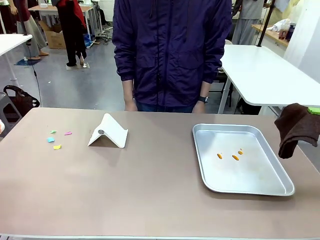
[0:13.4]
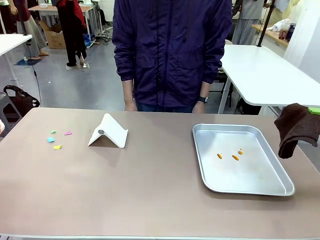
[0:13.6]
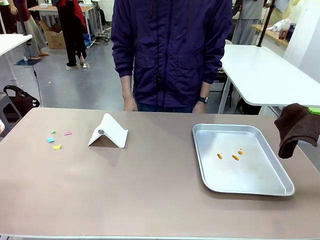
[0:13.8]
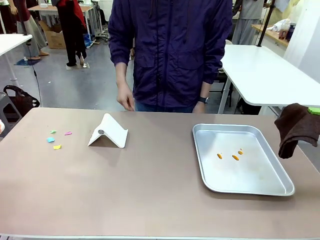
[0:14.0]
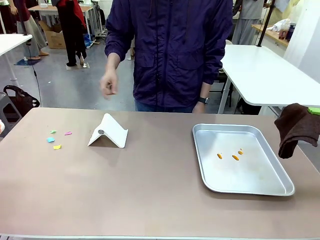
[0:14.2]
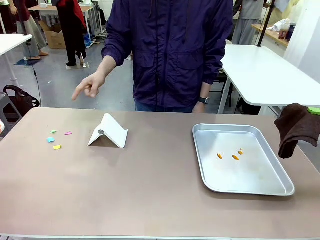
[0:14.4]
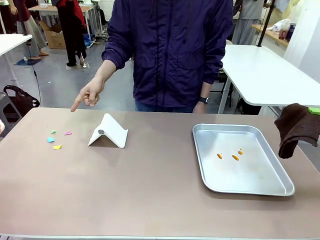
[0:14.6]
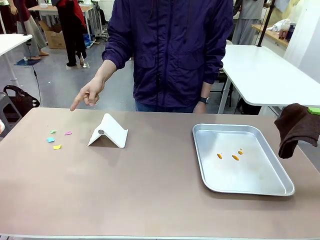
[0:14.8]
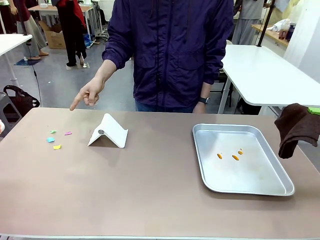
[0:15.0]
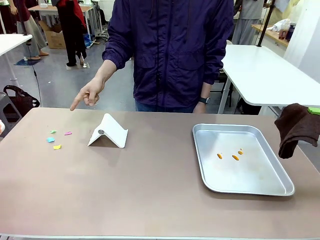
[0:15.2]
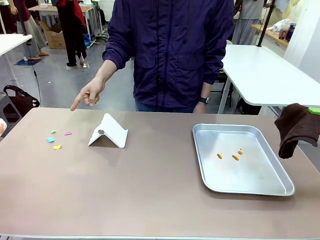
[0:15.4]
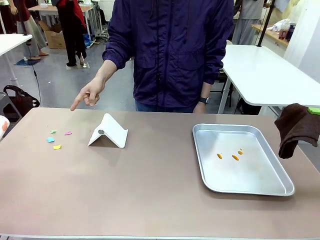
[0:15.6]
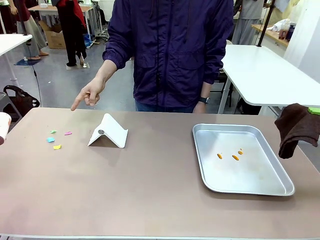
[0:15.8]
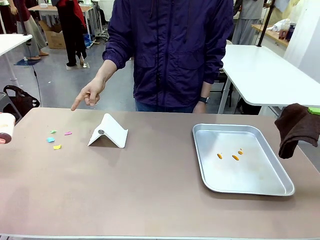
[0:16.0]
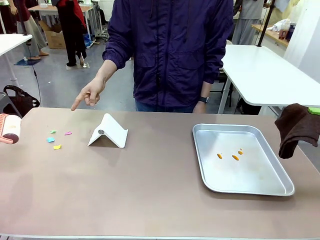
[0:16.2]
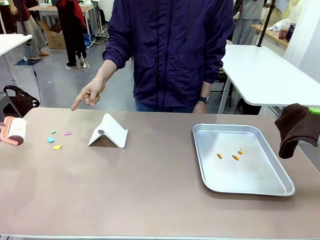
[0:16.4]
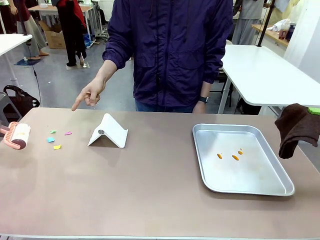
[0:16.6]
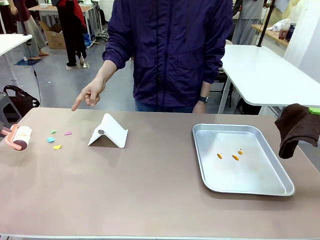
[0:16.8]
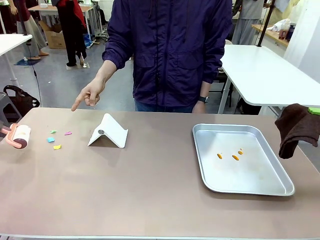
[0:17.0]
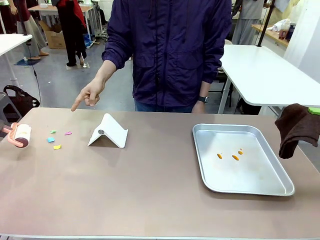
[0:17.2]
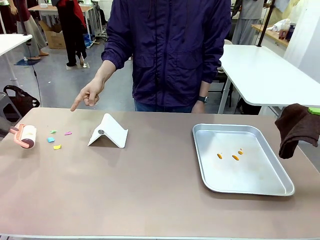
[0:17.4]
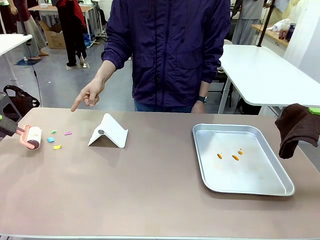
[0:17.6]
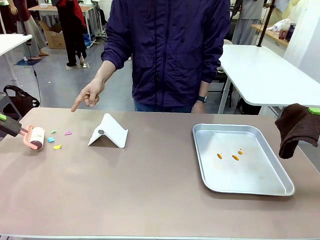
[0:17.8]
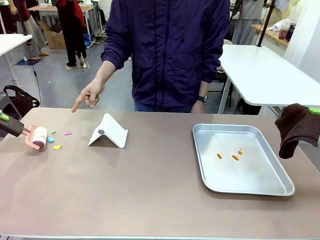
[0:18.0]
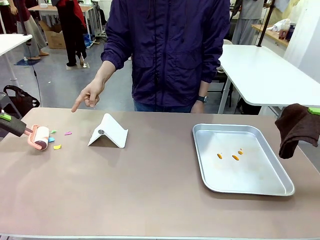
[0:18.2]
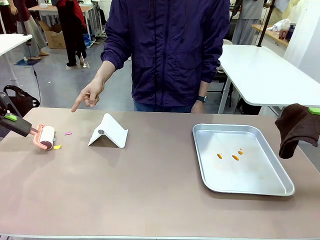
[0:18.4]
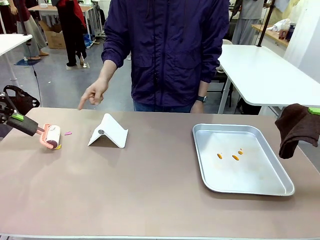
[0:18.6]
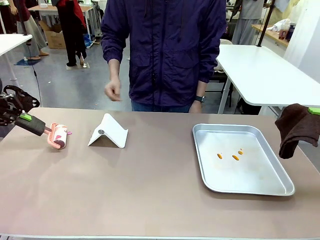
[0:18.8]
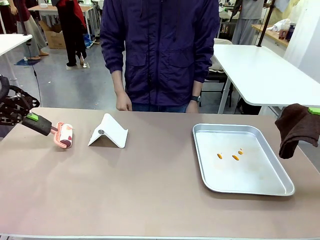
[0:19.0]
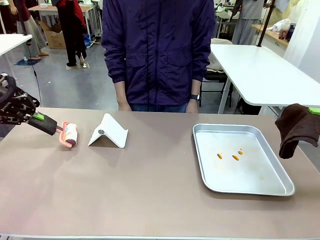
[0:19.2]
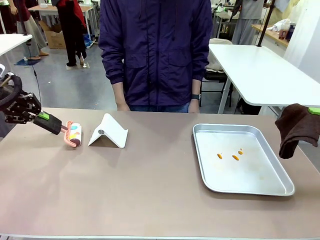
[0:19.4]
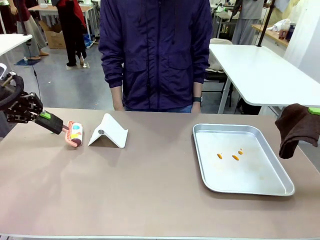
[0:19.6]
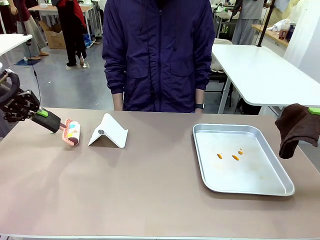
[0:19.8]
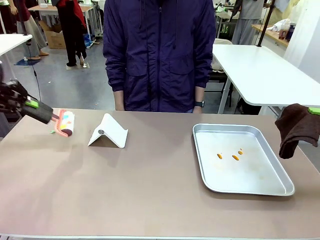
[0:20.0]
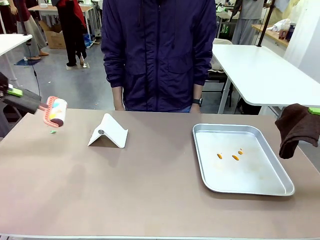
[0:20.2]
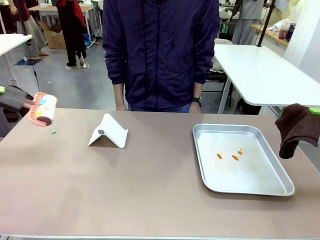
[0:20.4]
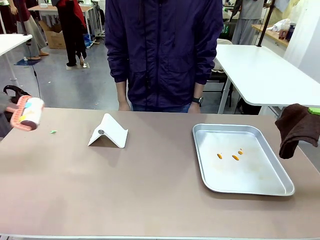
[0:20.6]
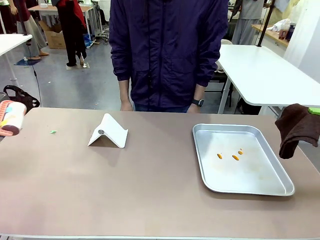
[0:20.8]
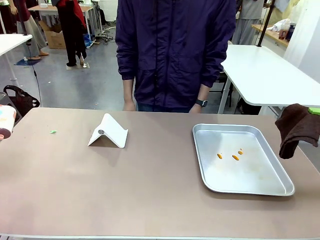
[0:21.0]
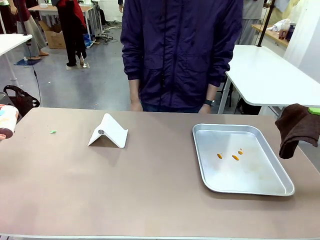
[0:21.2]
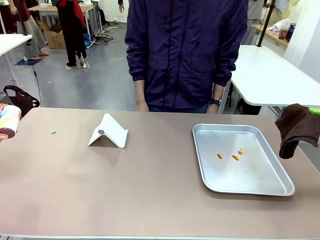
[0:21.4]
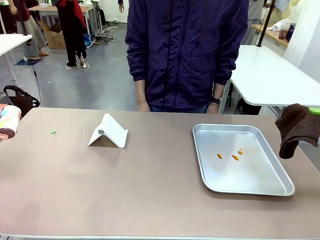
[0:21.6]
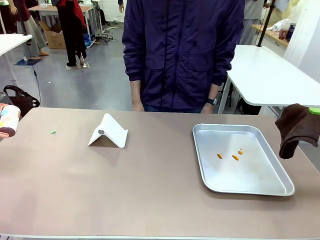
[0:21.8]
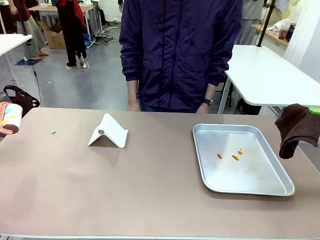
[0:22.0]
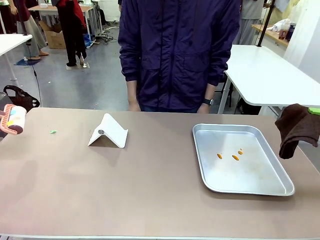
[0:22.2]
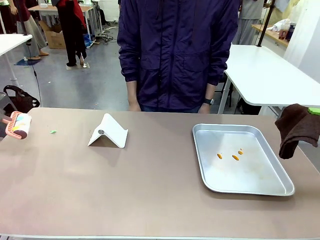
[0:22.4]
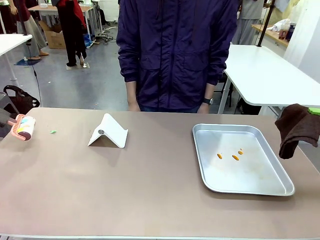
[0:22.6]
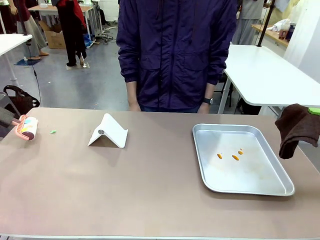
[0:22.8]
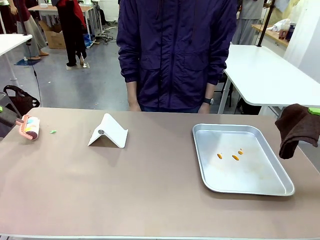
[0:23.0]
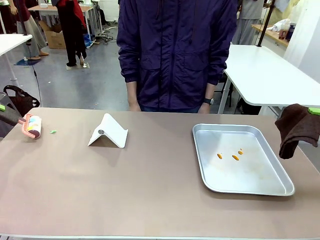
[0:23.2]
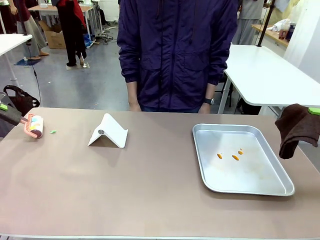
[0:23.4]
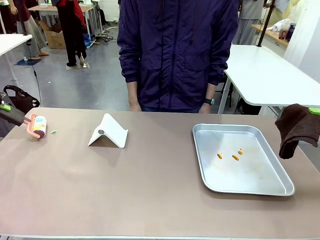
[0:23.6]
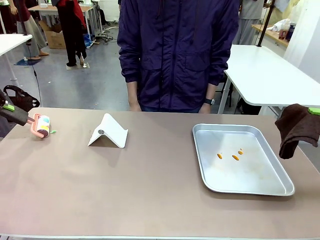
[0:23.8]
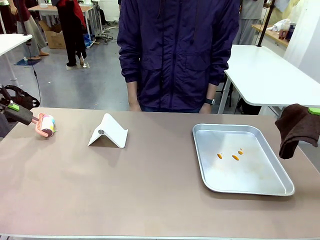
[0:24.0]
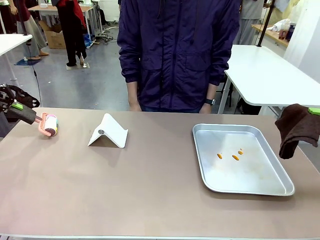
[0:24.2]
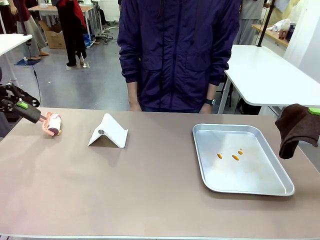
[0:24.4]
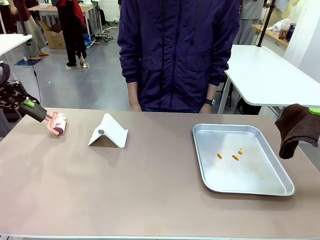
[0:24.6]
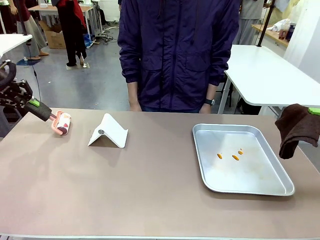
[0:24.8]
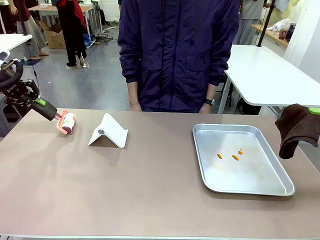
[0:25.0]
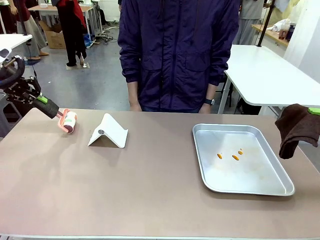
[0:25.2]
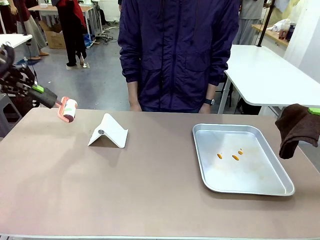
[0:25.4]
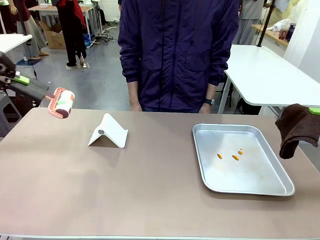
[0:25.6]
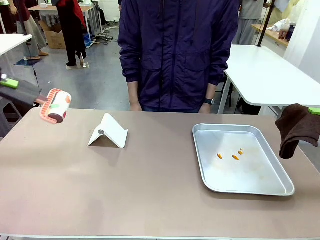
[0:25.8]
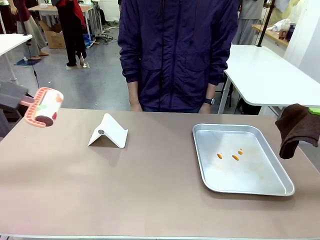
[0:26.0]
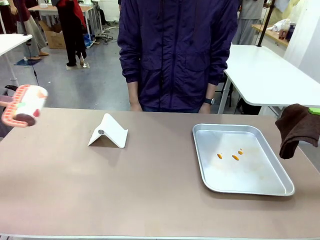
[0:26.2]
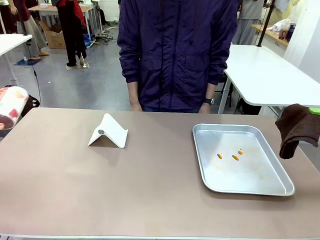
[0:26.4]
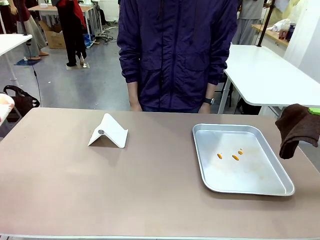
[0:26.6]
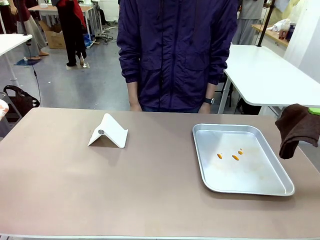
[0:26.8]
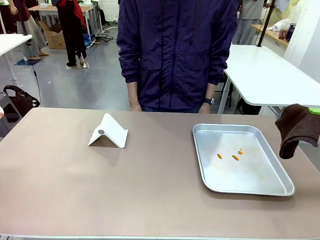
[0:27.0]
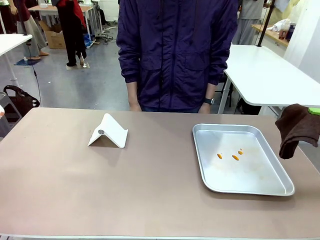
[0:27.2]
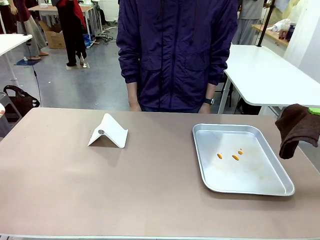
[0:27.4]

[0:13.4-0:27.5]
Task: Clean the surface of the table.
Robot: If a person points to the right, clean the right side of the table with your right hand, and if they point to the left, clean the left side with your left hand.

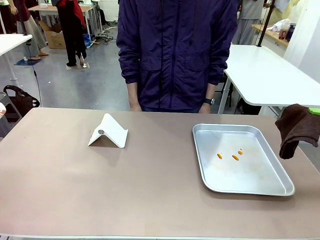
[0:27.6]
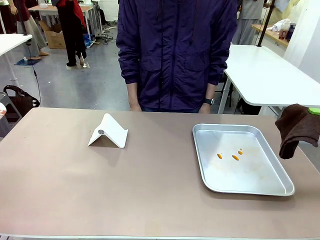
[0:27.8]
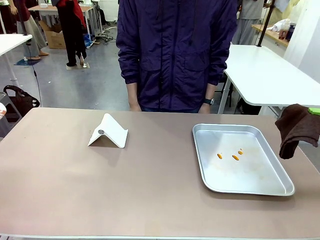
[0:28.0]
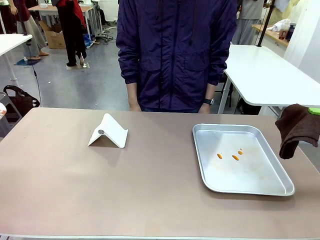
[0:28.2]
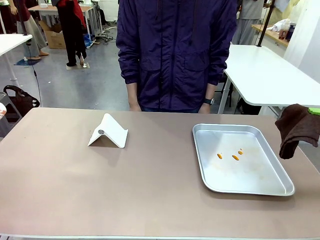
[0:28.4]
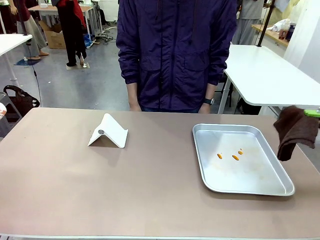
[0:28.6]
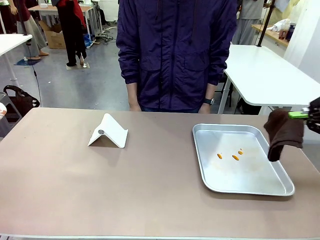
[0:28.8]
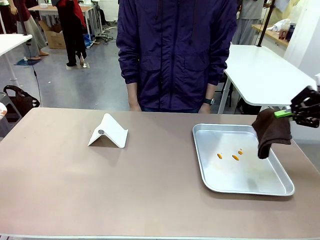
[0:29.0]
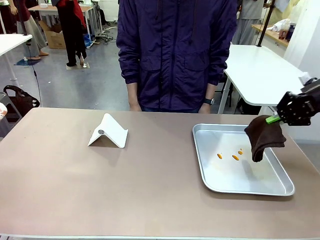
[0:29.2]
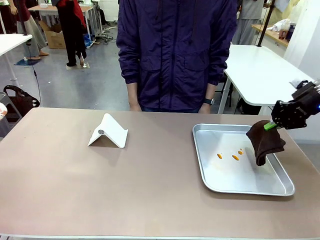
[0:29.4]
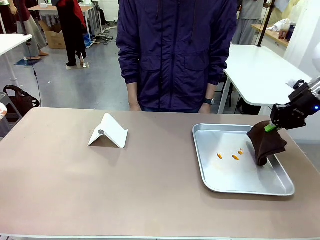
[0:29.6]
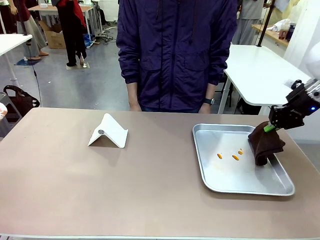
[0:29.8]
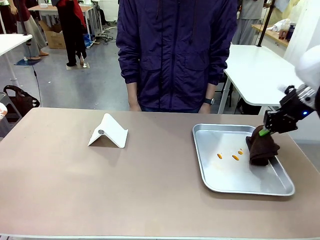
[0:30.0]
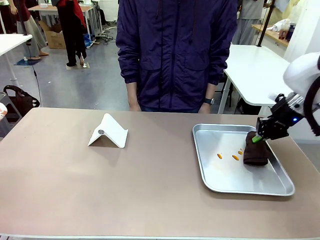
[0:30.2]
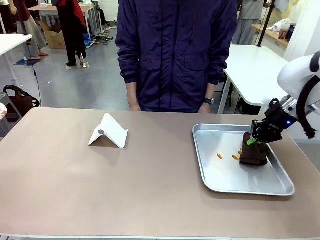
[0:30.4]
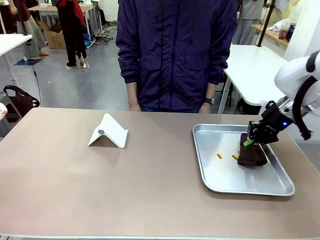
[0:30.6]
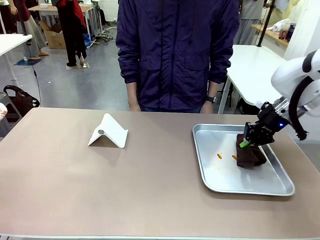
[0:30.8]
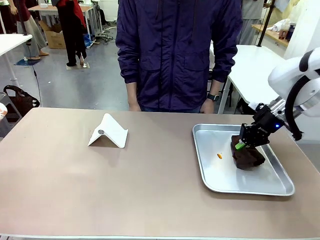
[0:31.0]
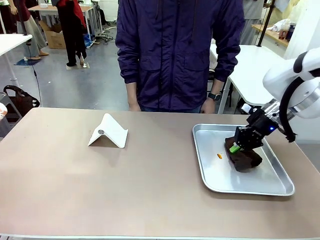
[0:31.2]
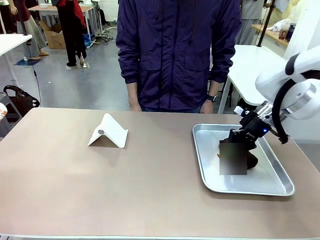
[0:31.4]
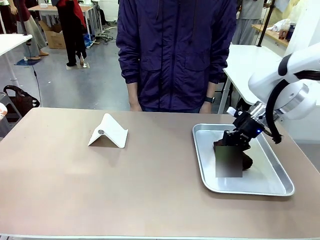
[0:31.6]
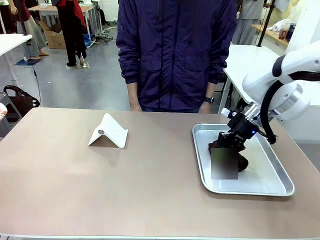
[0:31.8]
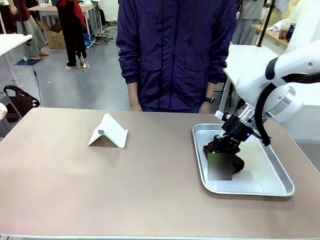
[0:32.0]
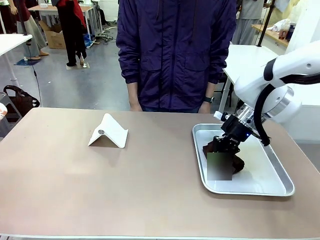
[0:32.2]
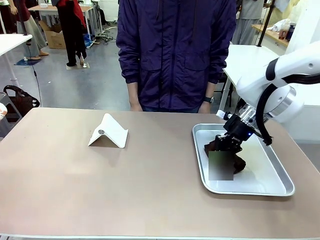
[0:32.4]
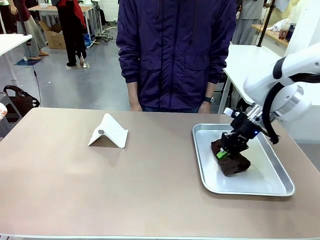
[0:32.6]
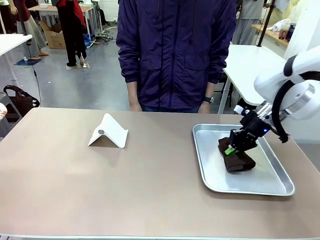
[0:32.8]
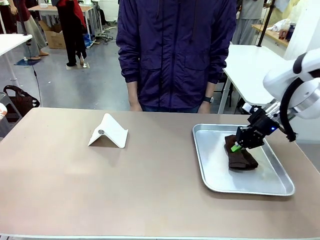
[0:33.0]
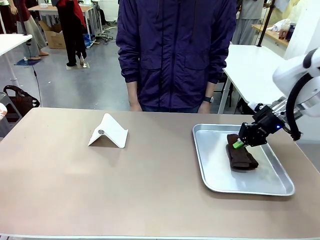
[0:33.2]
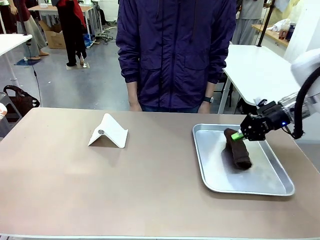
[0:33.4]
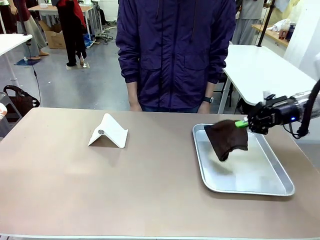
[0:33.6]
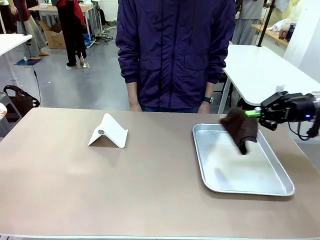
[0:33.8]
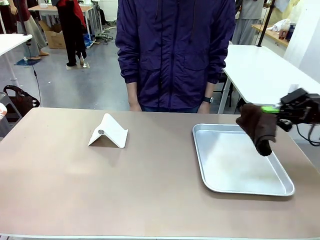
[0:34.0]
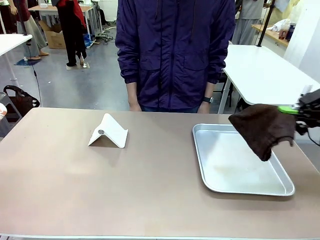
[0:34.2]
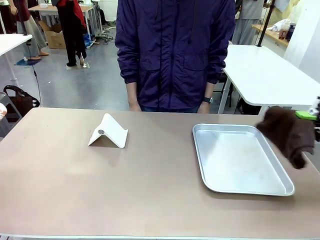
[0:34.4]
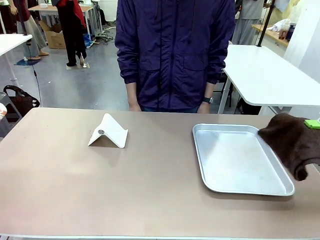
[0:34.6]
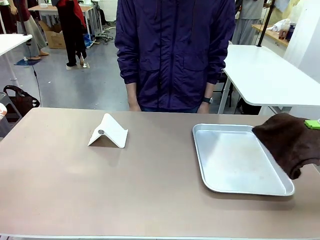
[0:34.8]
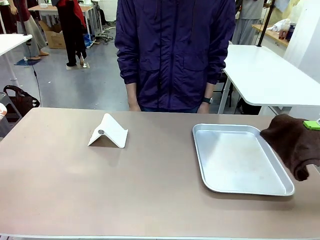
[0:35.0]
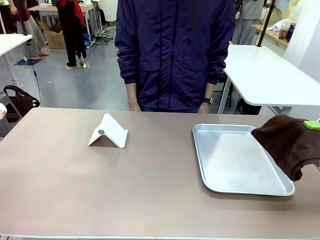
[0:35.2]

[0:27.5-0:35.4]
Robot: Clean the area not pointed to by the person.
